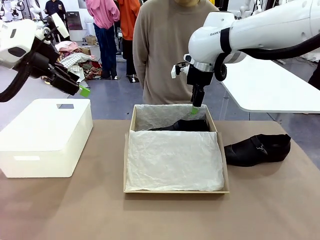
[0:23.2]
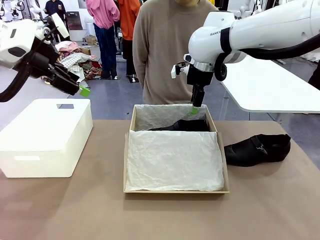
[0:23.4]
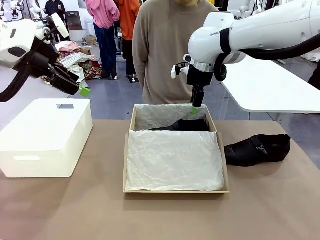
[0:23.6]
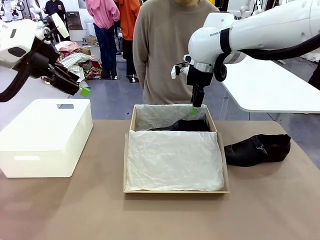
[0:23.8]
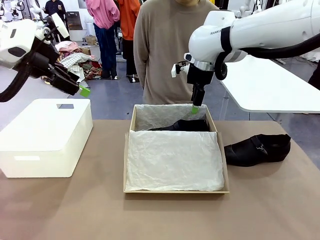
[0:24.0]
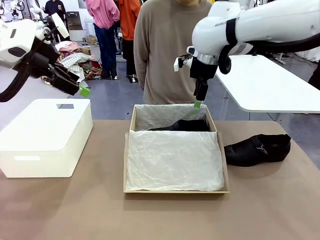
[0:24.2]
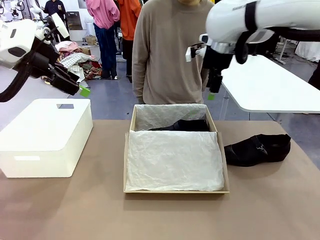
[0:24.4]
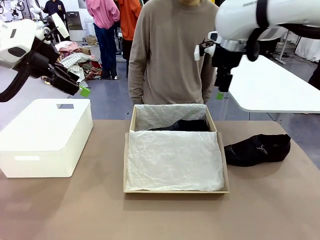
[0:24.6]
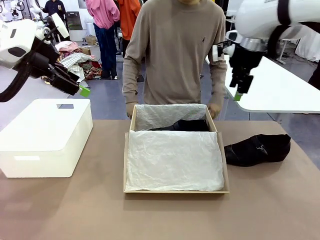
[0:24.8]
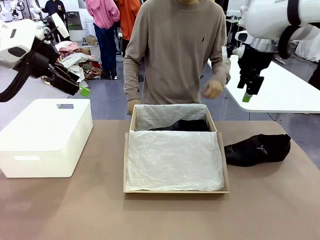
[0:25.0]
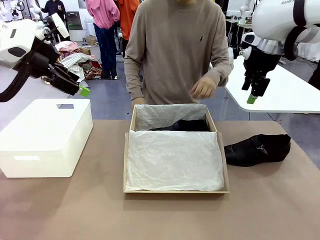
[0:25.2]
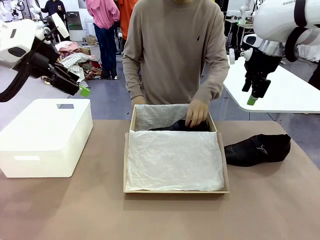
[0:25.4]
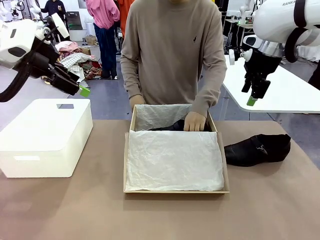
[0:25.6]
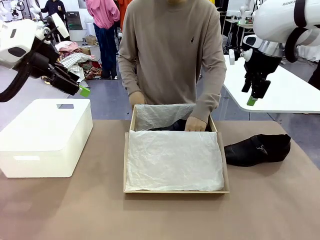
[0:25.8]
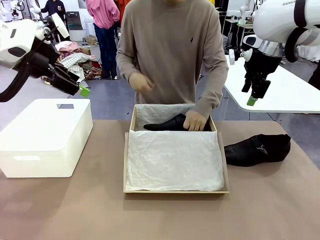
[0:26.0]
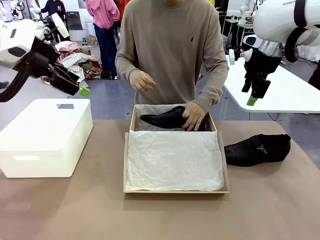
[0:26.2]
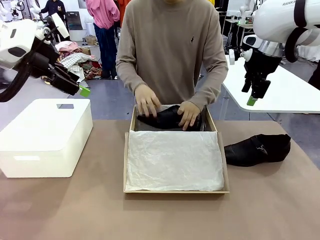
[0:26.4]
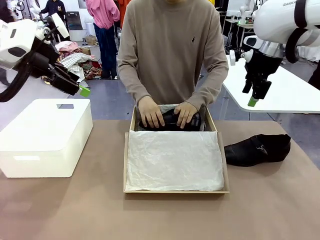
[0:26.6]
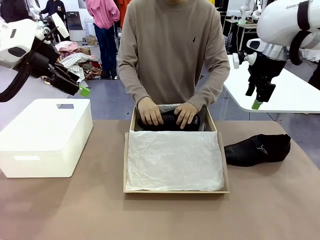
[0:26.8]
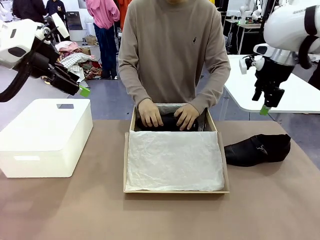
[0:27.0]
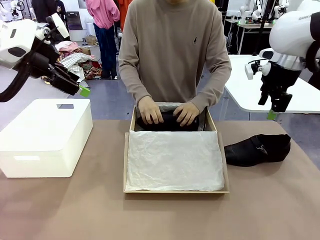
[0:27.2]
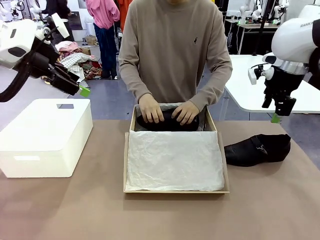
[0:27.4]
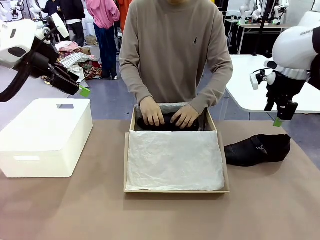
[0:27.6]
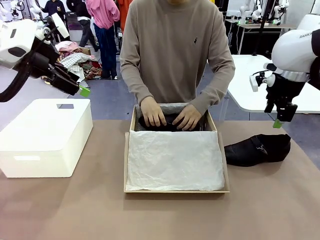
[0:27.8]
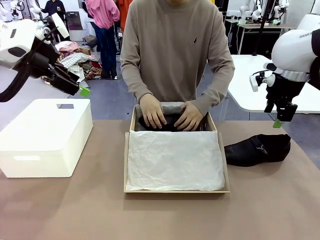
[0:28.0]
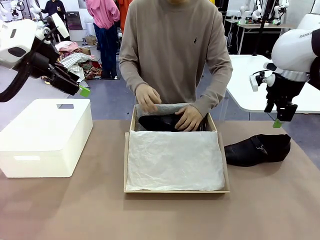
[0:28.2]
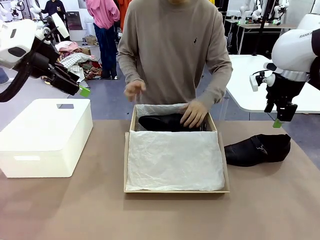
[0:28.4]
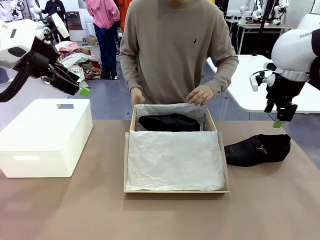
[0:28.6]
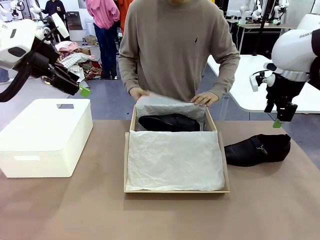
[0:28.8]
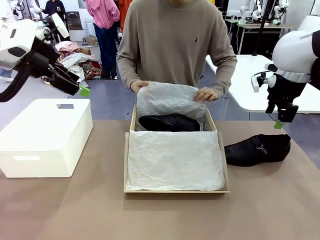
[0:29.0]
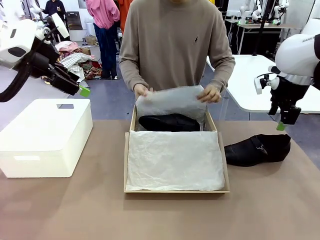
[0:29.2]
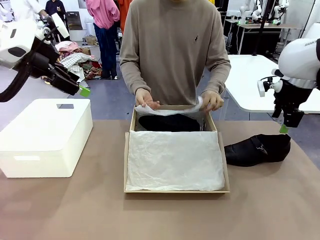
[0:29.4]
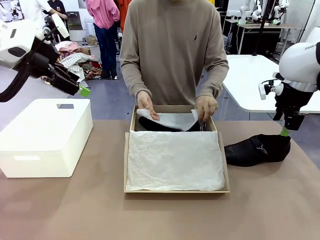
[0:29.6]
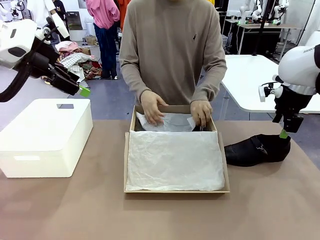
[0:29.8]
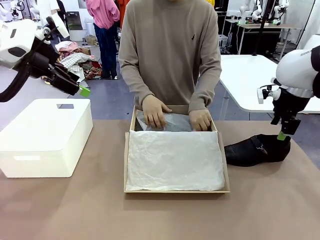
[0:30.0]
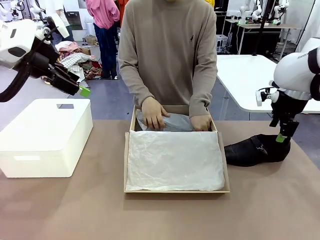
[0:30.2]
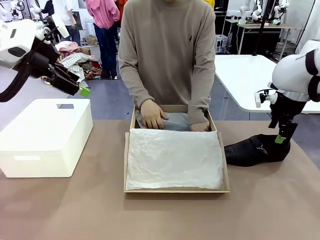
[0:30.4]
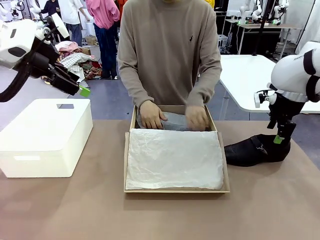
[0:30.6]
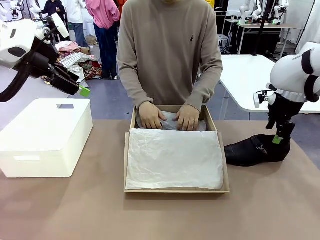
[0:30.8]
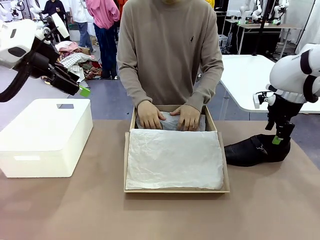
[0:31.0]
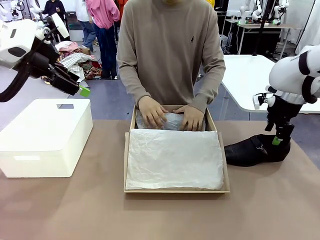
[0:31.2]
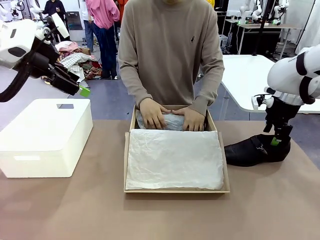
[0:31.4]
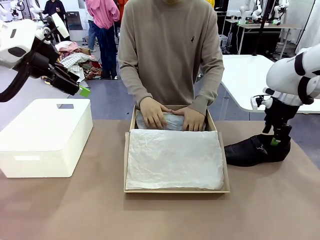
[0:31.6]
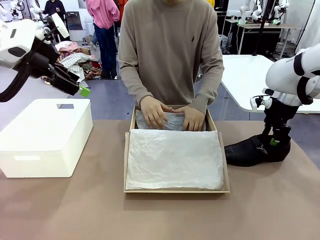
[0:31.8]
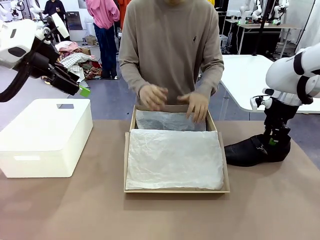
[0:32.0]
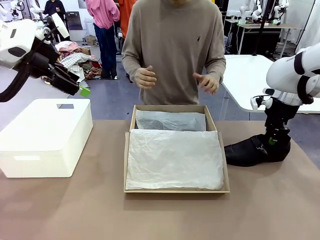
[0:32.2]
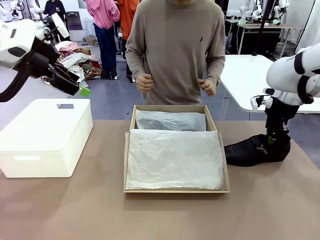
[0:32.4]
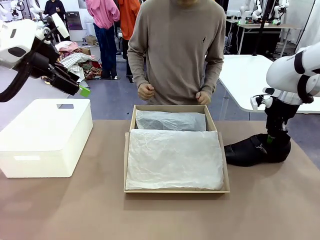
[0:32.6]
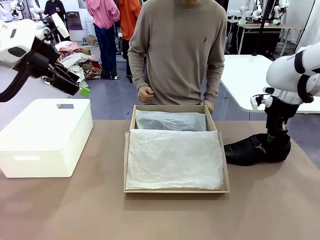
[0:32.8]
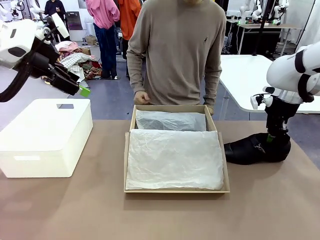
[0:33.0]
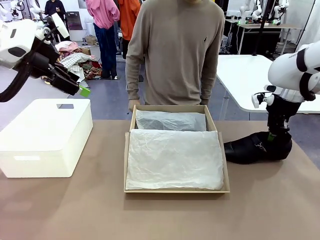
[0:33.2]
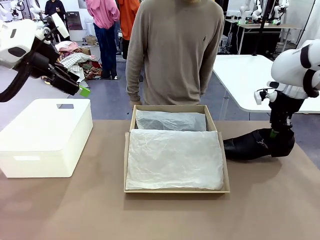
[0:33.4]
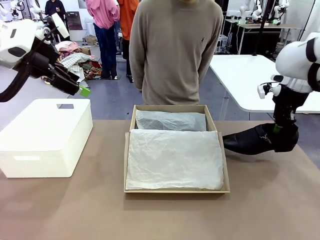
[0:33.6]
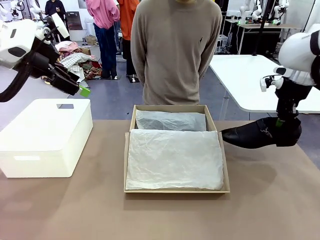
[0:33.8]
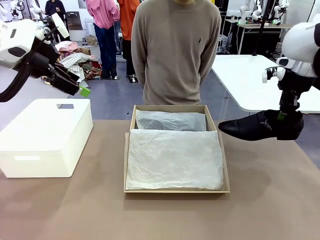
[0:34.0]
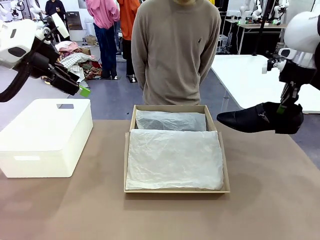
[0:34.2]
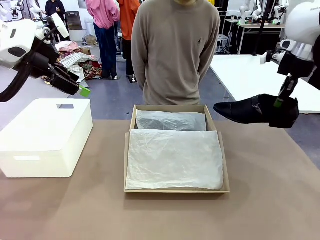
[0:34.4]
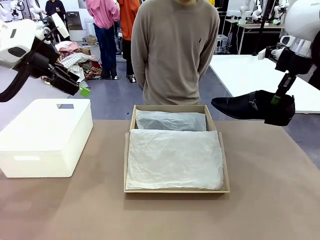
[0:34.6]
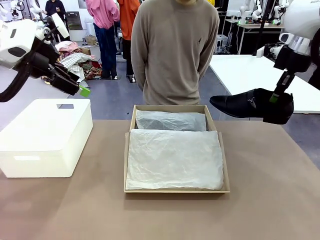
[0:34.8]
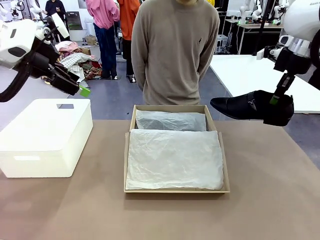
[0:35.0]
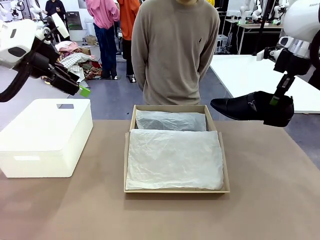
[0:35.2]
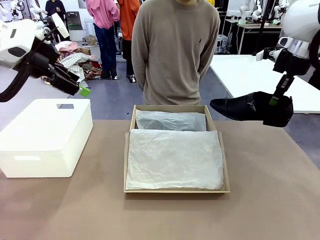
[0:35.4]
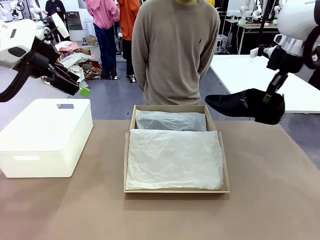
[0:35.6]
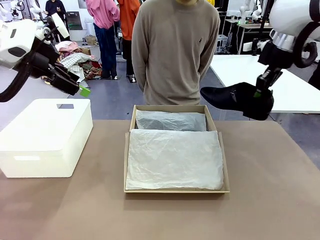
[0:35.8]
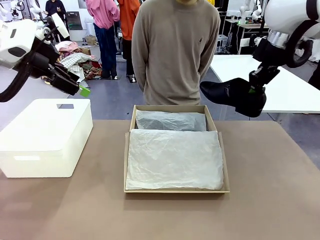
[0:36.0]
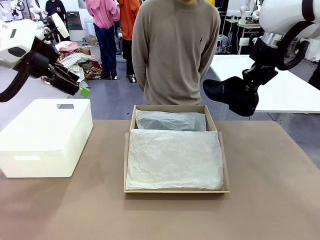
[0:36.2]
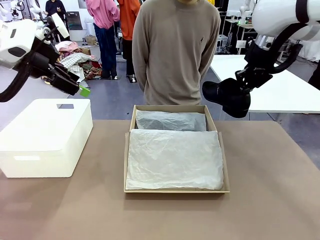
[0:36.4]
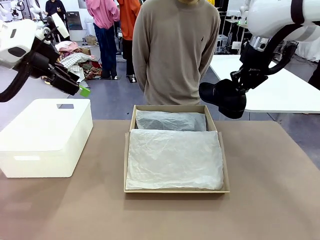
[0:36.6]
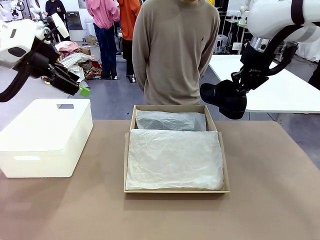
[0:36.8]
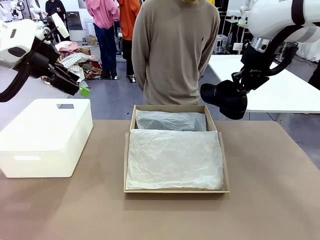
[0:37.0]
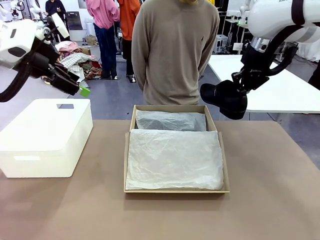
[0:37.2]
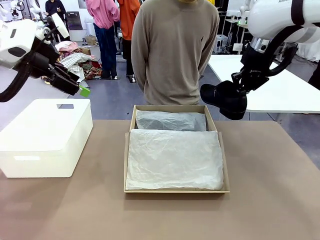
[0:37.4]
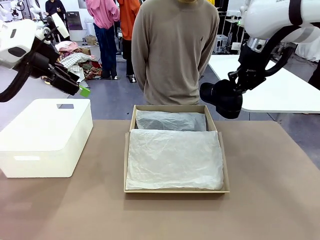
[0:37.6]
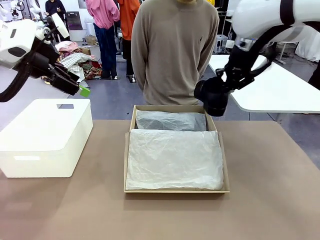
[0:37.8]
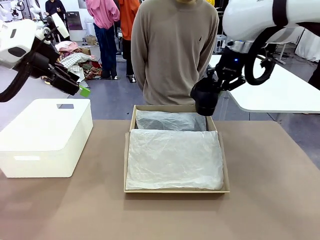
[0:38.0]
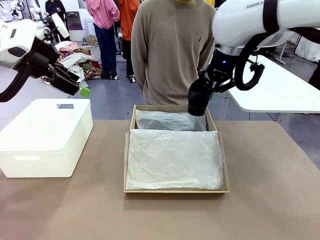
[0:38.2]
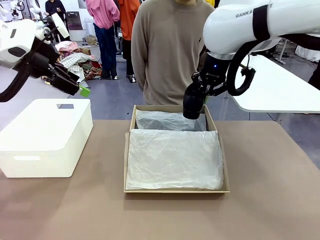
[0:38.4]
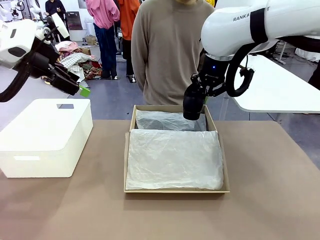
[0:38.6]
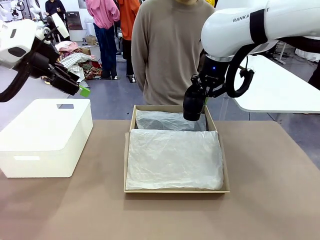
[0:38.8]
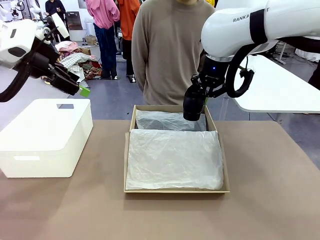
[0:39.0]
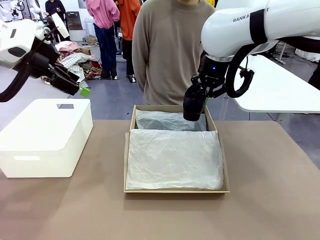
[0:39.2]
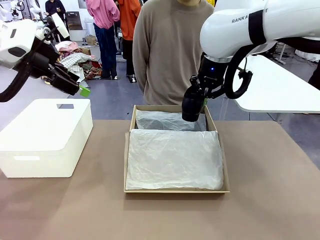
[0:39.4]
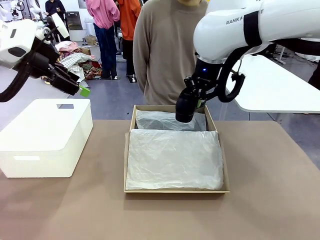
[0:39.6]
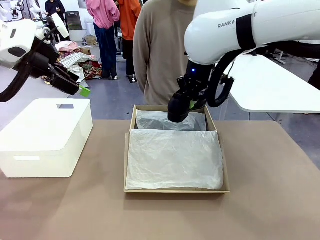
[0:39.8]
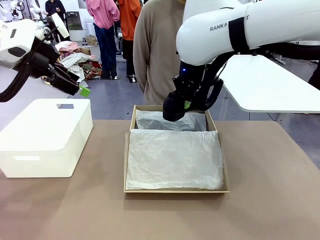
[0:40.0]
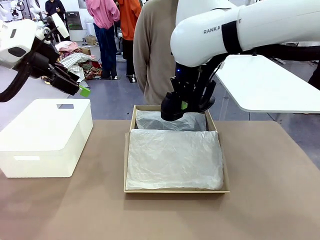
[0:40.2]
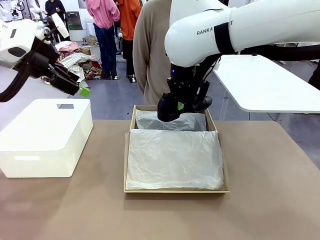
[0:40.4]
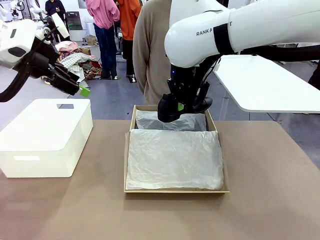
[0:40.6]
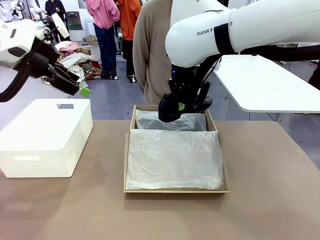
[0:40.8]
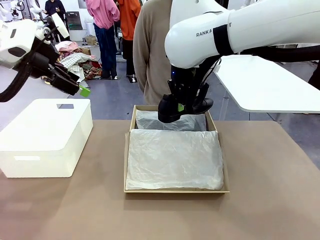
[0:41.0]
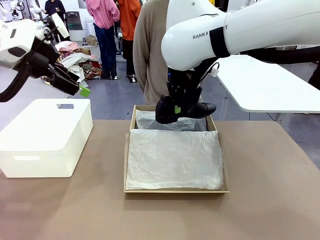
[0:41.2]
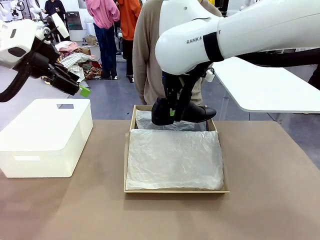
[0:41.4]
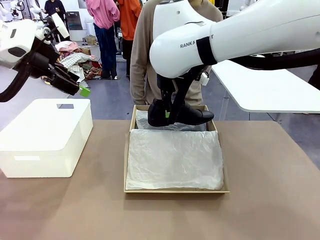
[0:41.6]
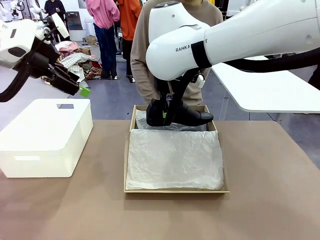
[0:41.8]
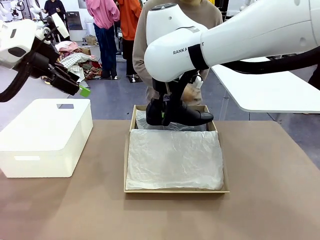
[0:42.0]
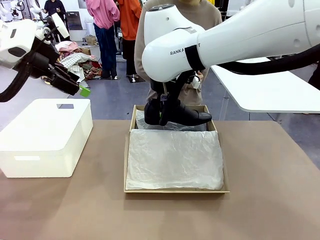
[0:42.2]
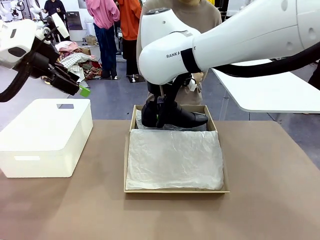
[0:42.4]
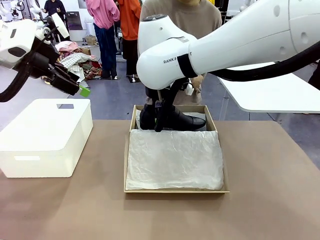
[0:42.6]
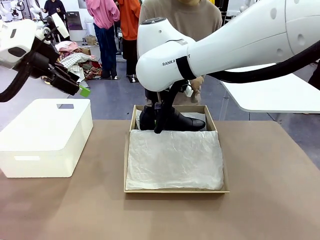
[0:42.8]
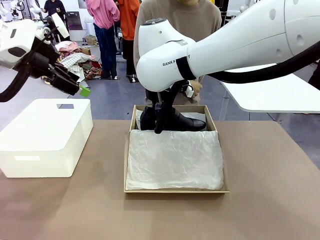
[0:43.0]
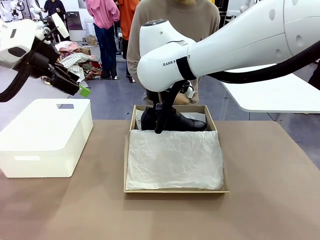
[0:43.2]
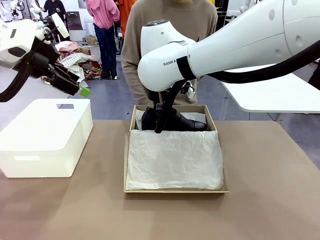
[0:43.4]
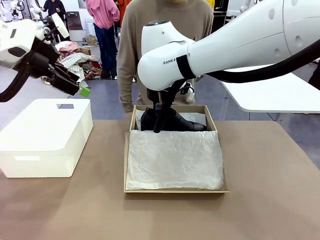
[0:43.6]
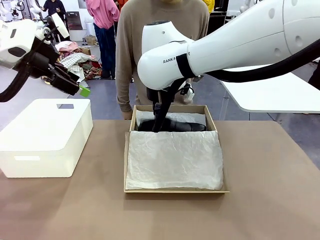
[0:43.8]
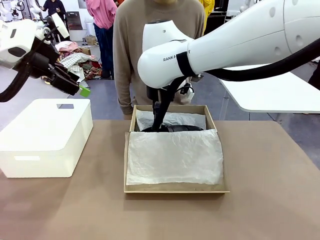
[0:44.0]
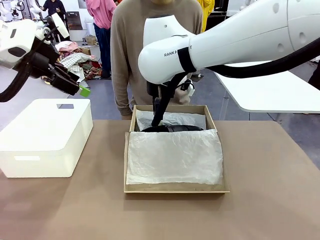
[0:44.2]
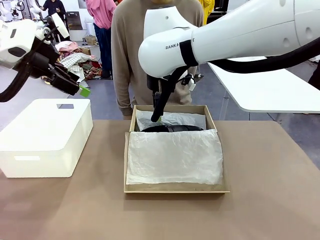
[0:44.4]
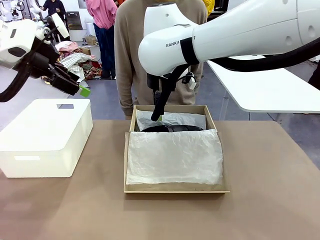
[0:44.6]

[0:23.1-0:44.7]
Task: Pack the shoes into the box.
Robot: Place the other shoe of the Shoes into the Shoes Box.
Person: Pack a shoe of Shoes inside the Shoes Box with Shoes Wrapping Paper.
